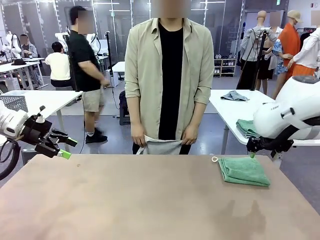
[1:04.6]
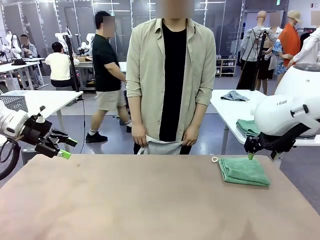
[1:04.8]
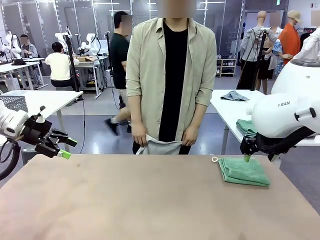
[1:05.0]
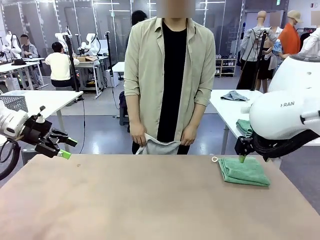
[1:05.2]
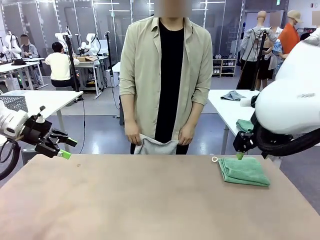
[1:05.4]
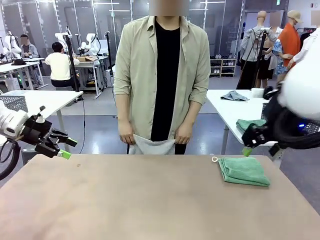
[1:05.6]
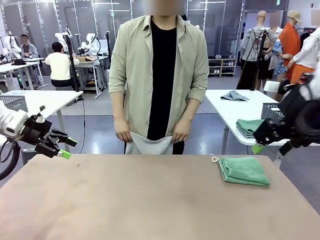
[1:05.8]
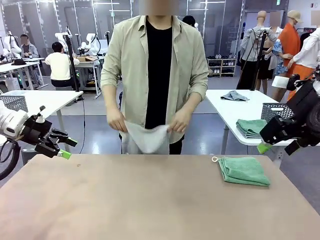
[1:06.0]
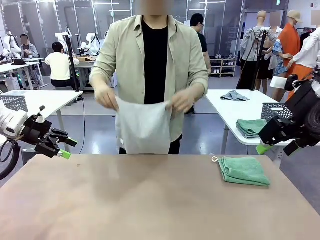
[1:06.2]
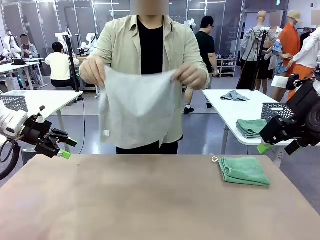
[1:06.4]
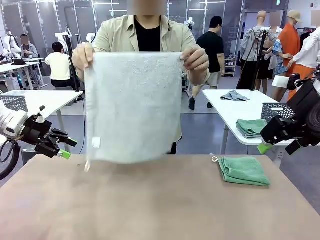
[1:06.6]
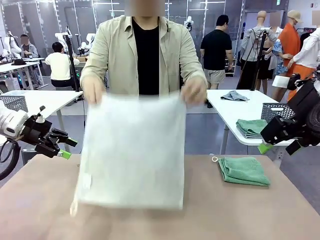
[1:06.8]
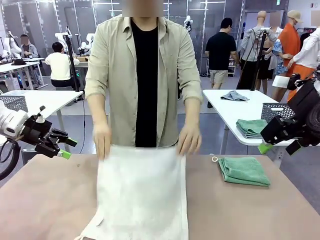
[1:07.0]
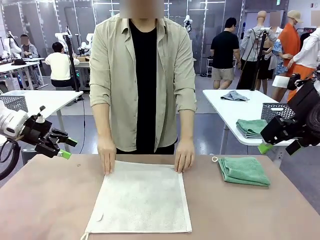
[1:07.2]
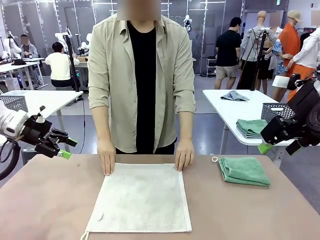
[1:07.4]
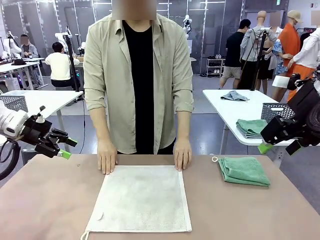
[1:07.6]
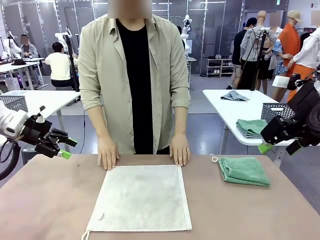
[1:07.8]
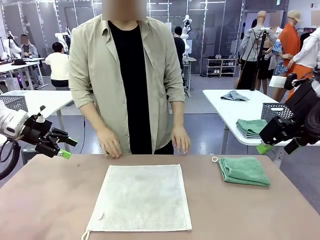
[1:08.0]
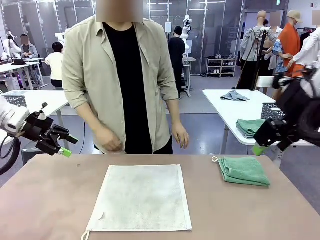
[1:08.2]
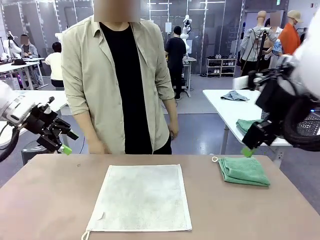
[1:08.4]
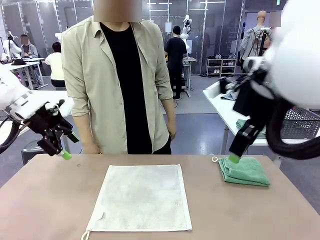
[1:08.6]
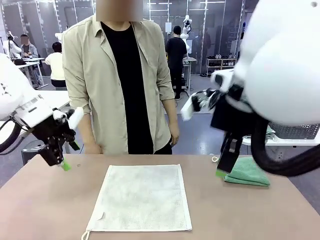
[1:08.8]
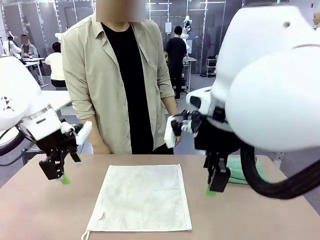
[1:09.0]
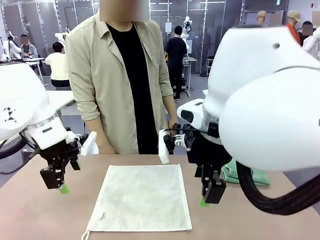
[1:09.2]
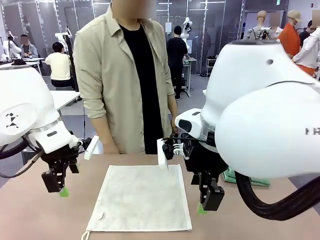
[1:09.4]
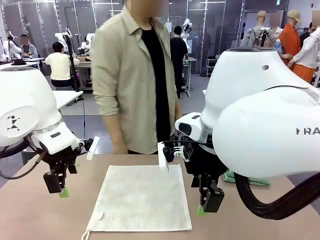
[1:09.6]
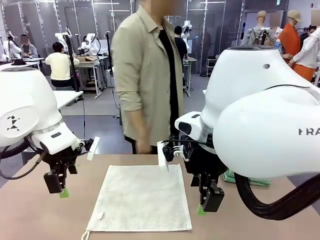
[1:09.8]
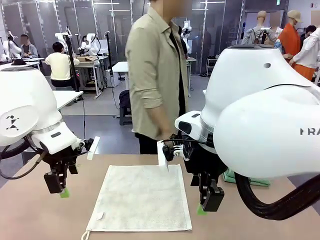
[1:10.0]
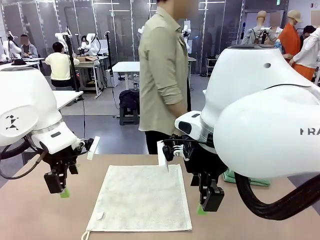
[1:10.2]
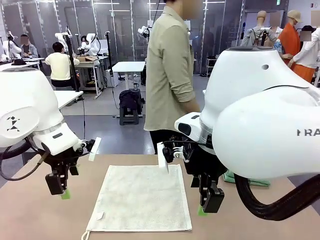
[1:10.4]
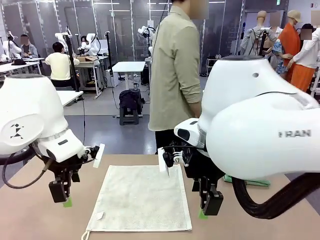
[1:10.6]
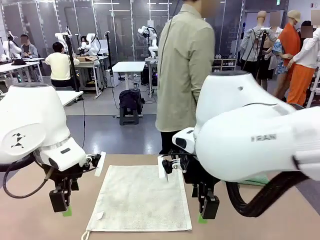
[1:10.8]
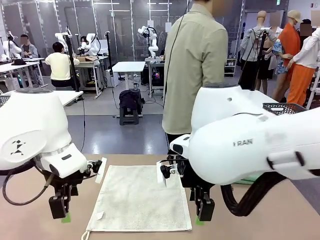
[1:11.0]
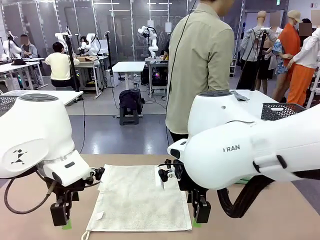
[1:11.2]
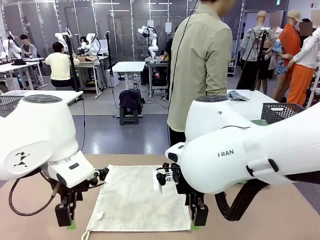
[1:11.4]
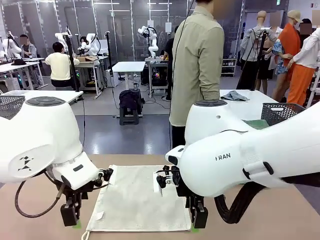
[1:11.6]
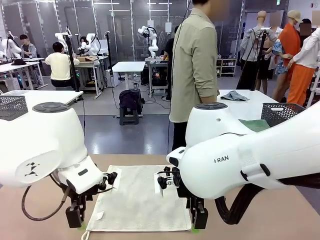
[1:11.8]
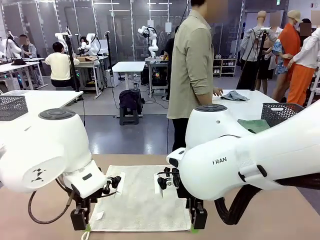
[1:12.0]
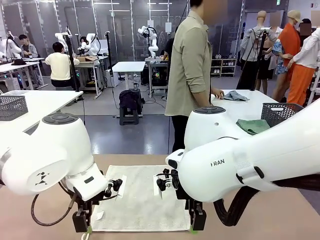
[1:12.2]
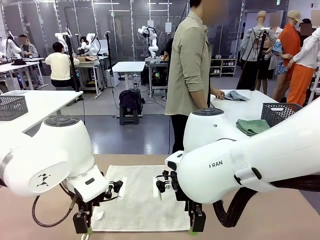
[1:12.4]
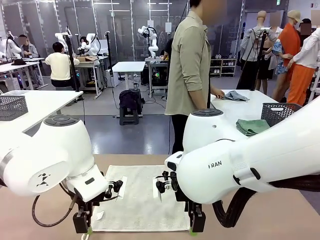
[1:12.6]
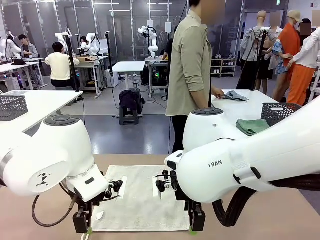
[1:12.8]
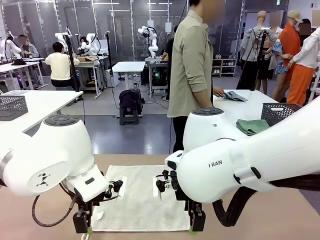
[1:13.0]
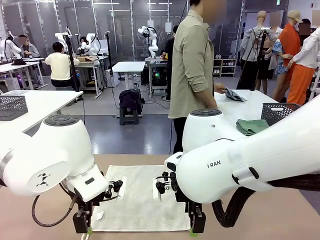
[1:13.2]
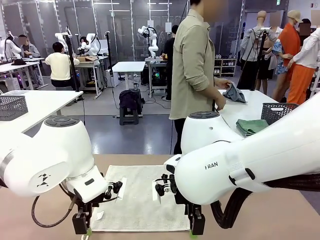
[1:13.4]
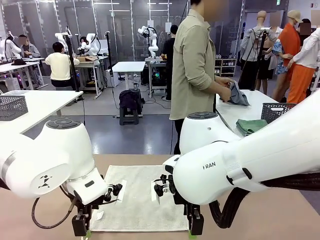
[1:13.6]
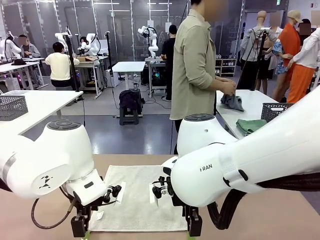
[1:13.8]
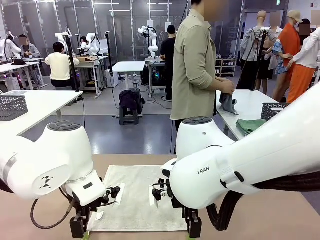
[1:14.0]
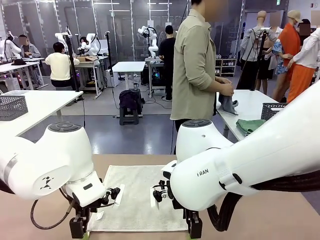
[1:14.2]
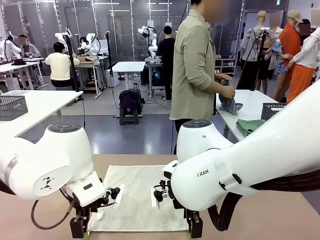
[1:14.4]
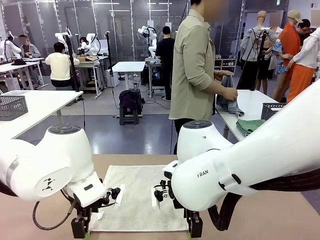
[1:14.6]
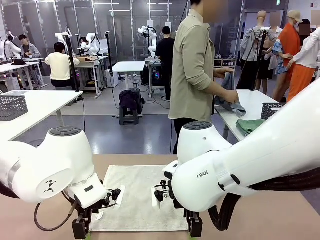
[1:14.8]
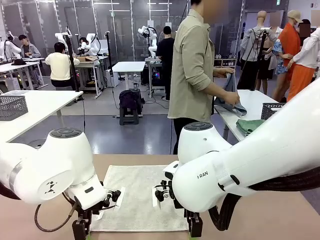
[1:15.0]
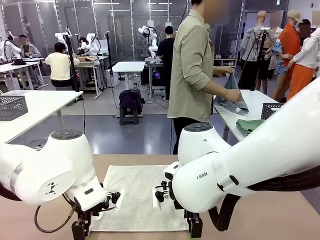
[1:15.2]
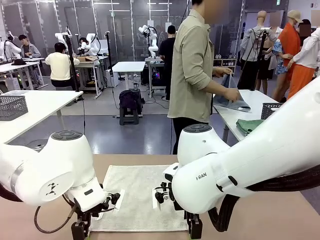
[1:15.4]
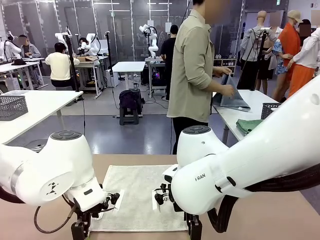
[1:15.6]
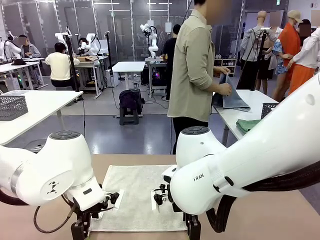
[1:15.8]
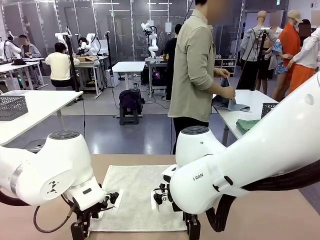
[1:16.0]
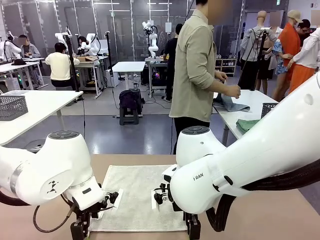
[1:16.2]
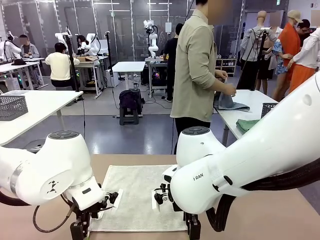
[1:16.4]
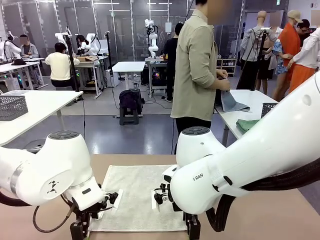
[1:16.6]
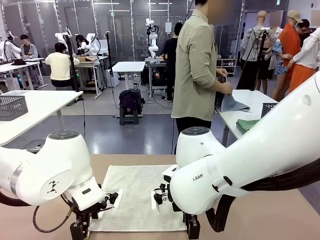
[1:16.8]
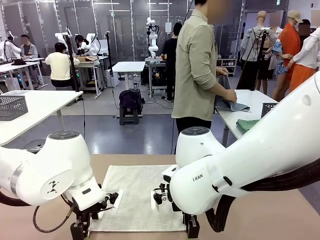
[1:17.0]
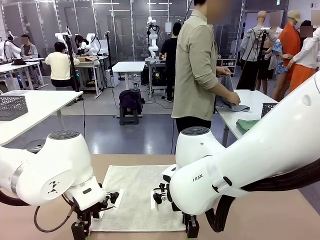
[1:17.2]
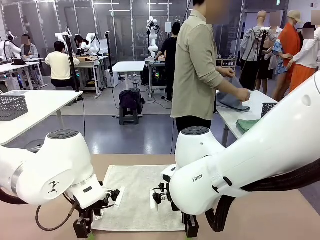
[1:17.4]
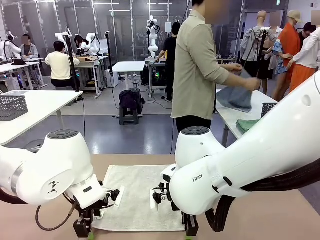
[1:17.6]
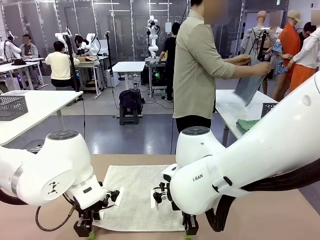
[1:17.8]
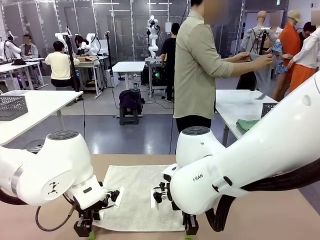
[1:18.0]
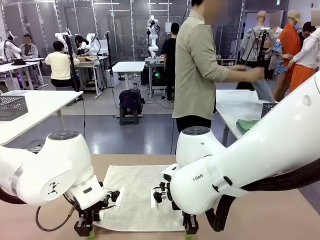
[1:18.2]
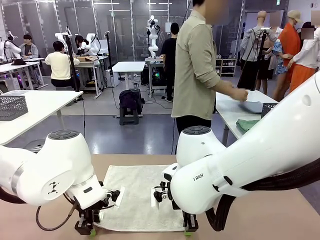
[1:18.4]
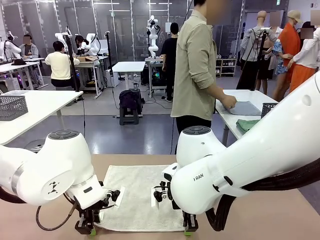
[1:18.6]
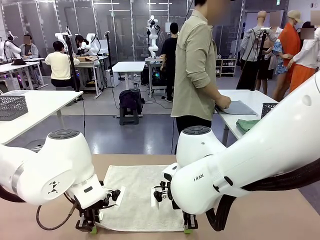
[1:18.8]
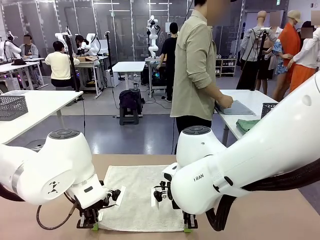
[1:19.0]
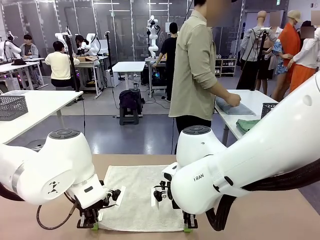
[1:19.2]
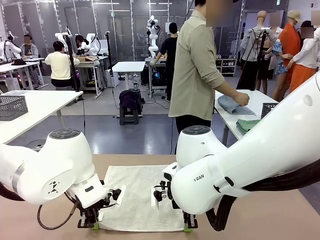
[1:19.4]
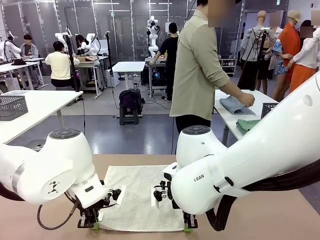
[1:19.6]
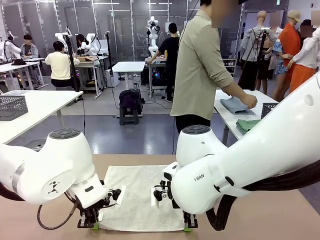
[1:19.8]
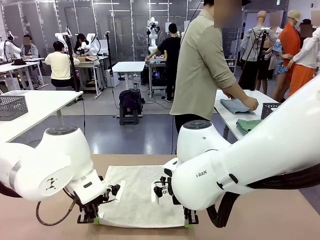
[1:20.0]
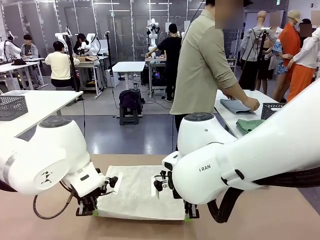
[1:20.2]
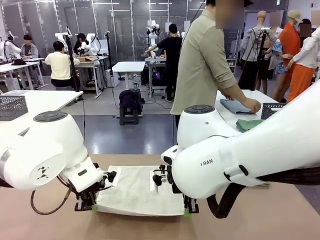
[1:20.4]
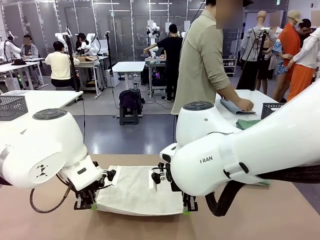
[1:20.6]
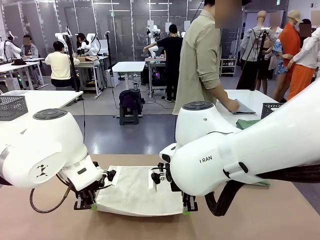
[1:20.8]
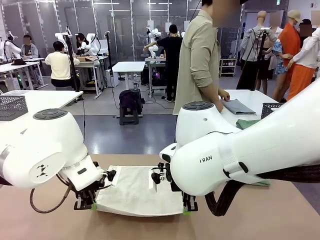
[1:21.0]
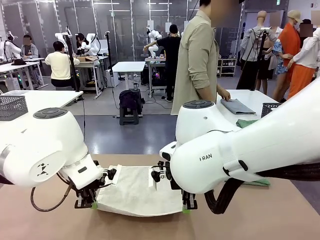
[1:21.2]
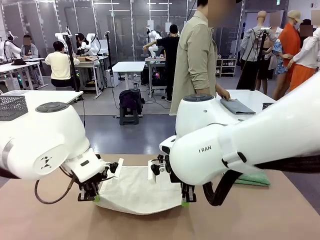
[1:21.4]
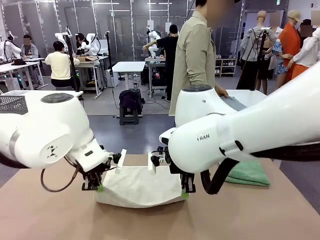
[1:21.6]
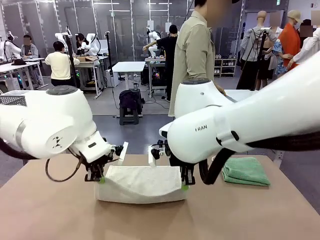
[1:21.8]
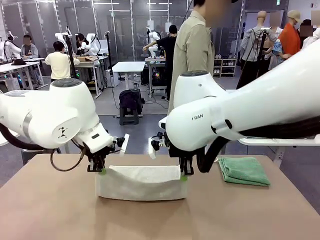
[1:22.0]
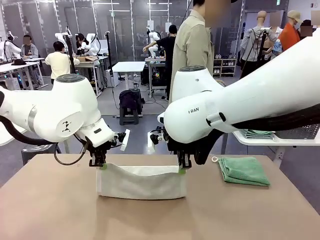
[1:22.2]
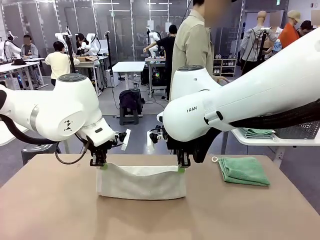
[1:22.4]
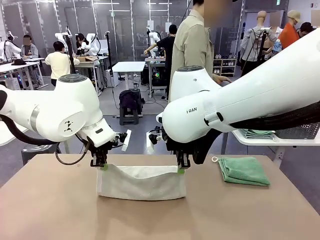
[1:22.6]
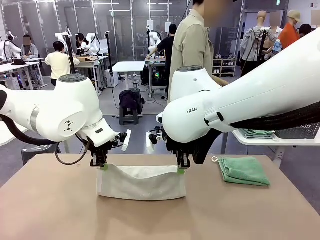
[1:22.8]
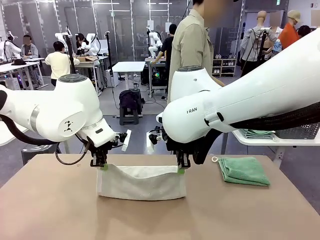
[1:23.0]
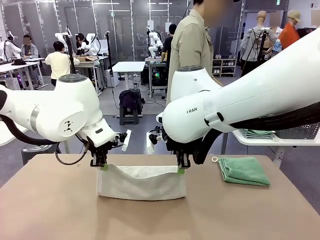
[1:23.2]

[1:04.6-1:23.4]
Task: Fold the towels and place them in the basket.
Robot: When a person lays out a Towel with hook on the table, fold it in half twice.
Person: Pick up one towel from the left side of the human table, fold it in half twice, and stack it on the right side of the table.
